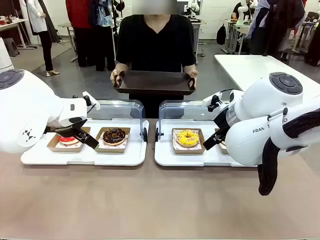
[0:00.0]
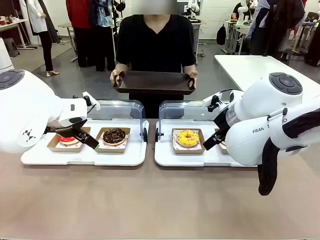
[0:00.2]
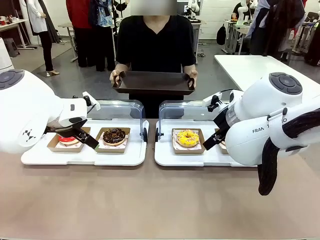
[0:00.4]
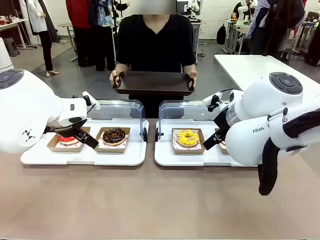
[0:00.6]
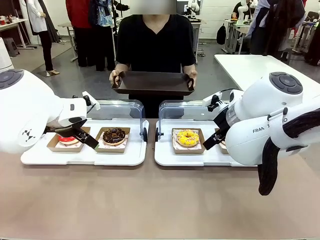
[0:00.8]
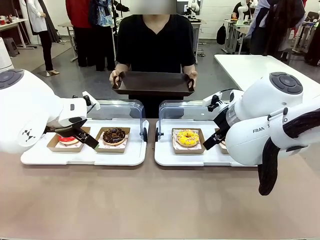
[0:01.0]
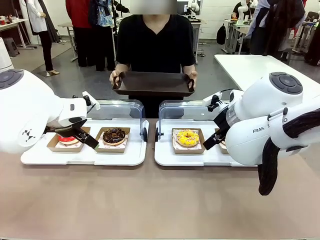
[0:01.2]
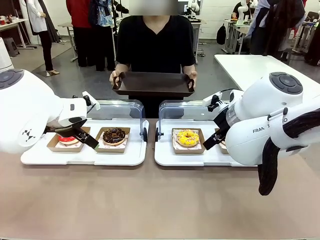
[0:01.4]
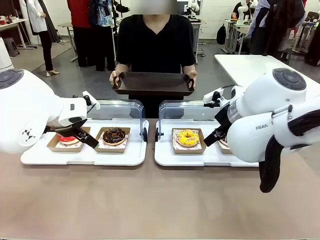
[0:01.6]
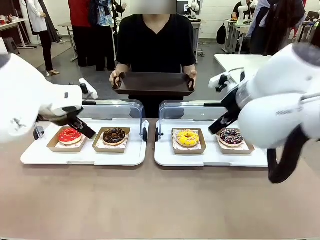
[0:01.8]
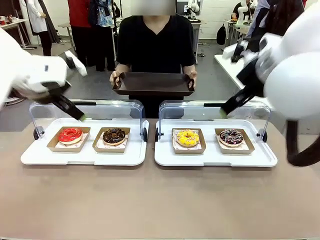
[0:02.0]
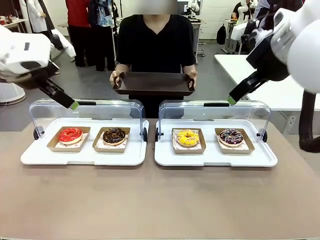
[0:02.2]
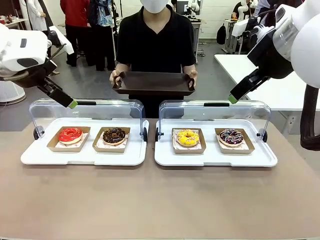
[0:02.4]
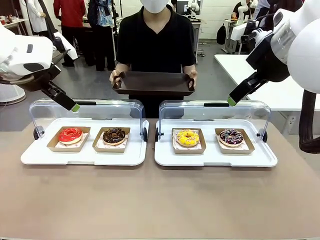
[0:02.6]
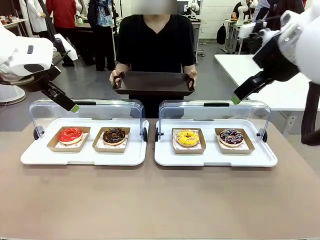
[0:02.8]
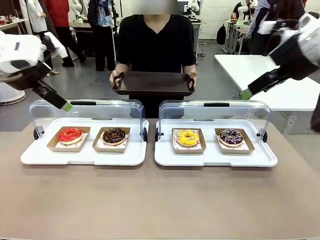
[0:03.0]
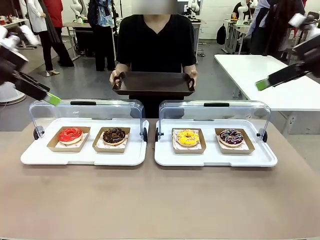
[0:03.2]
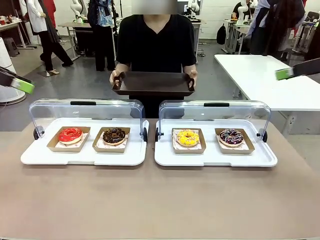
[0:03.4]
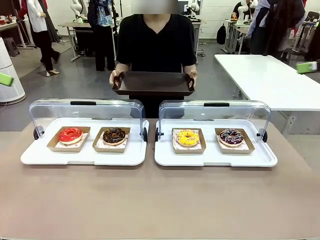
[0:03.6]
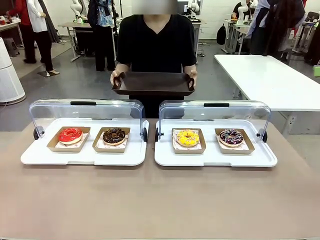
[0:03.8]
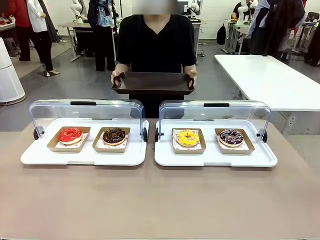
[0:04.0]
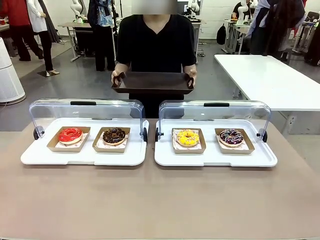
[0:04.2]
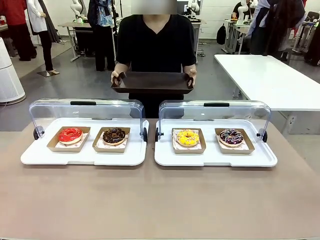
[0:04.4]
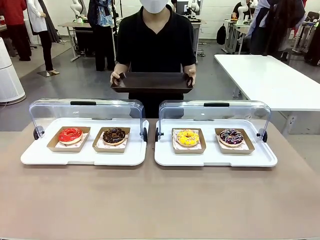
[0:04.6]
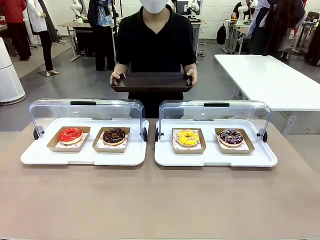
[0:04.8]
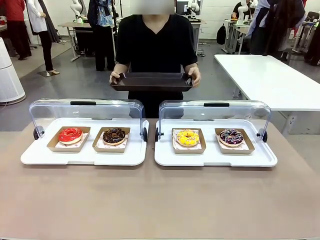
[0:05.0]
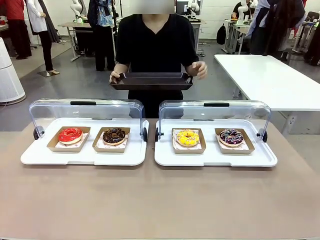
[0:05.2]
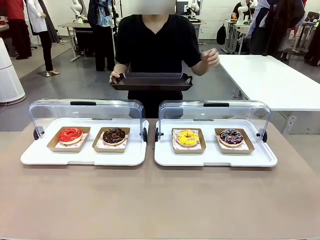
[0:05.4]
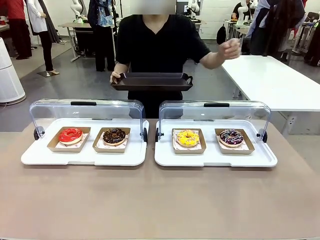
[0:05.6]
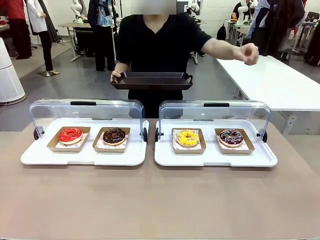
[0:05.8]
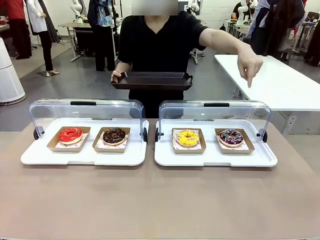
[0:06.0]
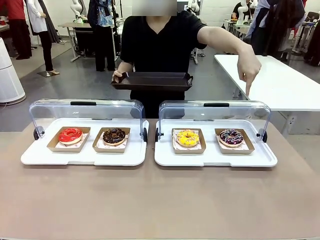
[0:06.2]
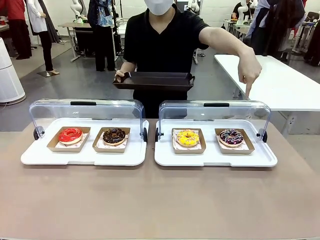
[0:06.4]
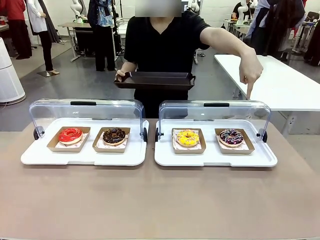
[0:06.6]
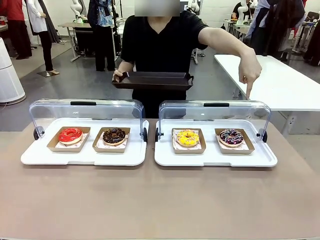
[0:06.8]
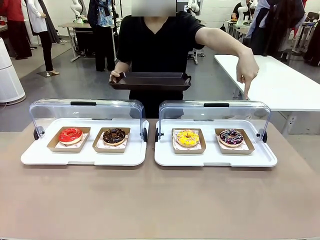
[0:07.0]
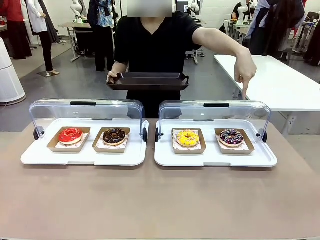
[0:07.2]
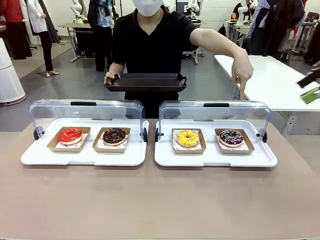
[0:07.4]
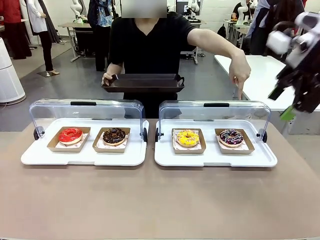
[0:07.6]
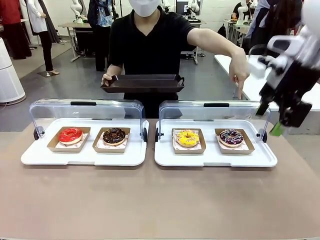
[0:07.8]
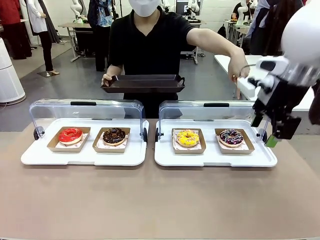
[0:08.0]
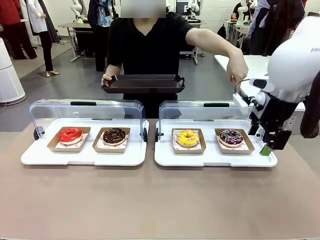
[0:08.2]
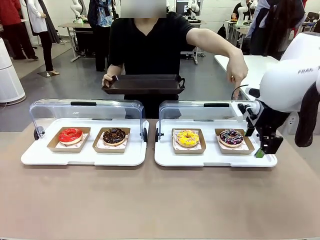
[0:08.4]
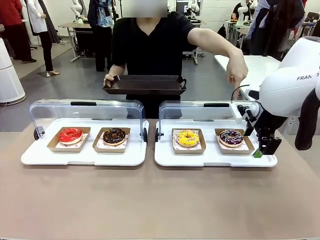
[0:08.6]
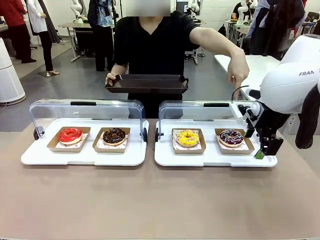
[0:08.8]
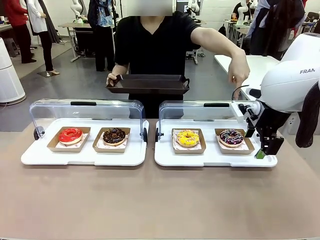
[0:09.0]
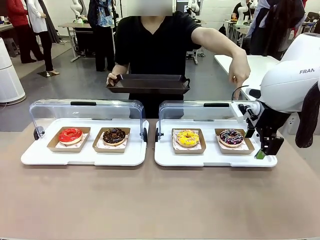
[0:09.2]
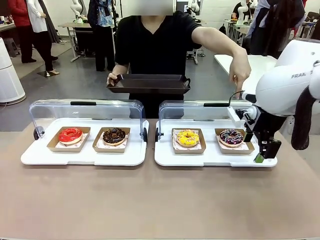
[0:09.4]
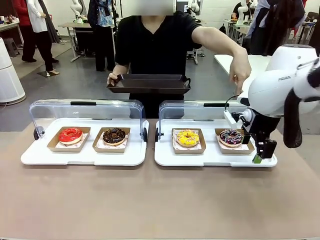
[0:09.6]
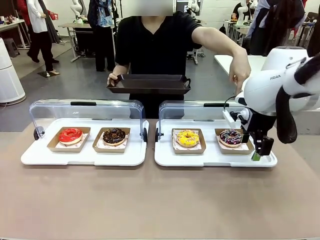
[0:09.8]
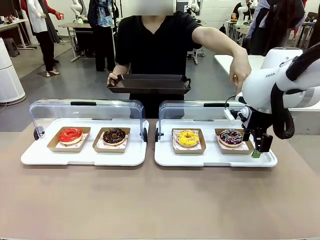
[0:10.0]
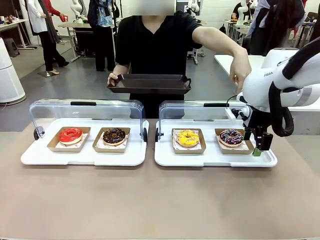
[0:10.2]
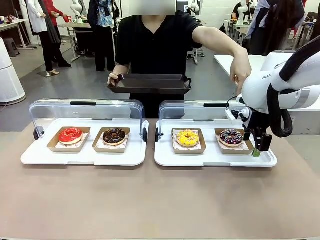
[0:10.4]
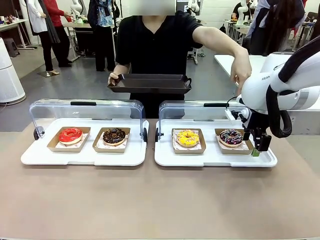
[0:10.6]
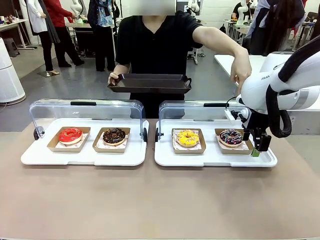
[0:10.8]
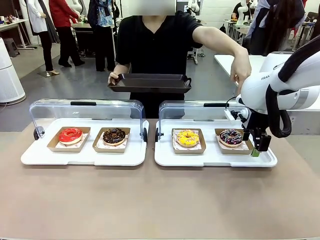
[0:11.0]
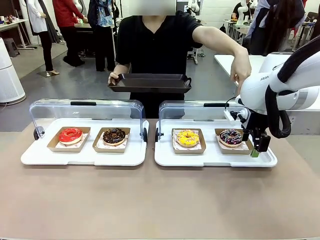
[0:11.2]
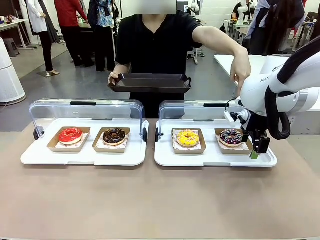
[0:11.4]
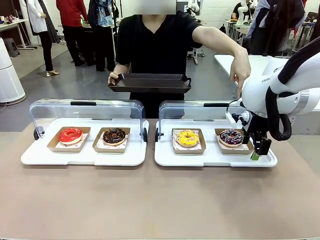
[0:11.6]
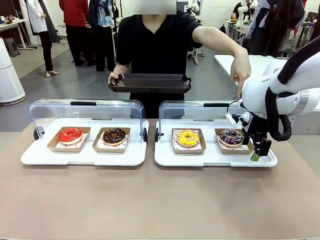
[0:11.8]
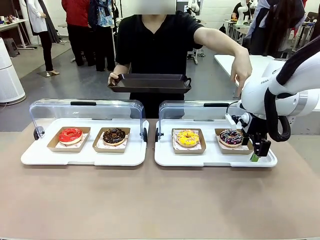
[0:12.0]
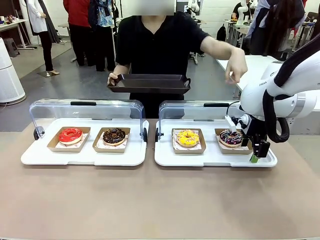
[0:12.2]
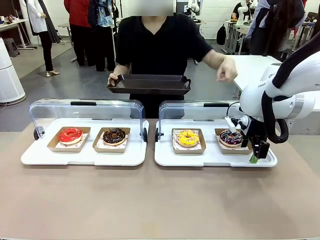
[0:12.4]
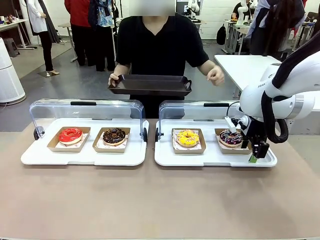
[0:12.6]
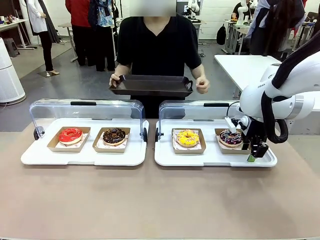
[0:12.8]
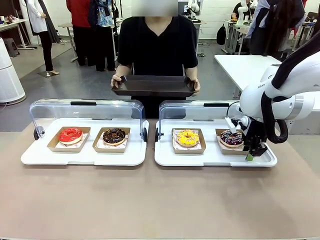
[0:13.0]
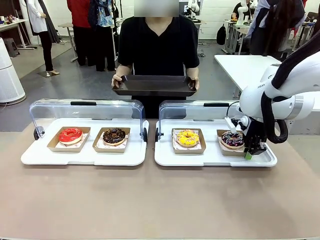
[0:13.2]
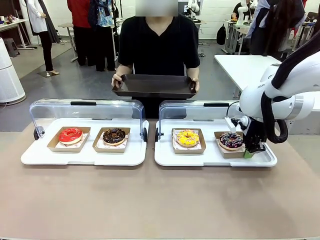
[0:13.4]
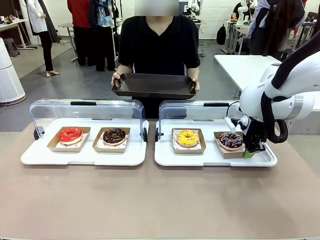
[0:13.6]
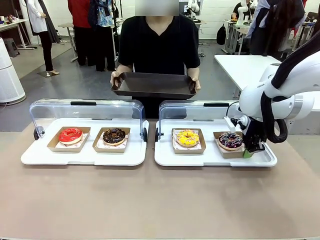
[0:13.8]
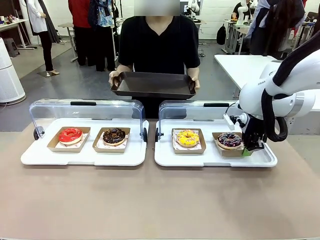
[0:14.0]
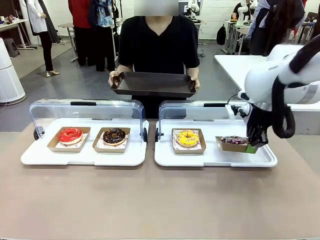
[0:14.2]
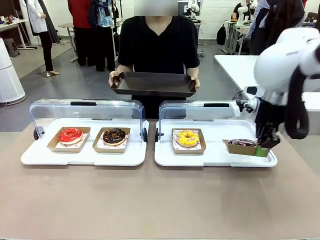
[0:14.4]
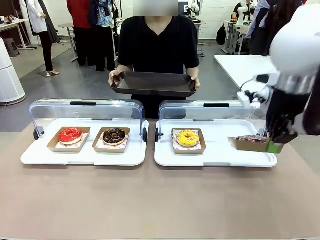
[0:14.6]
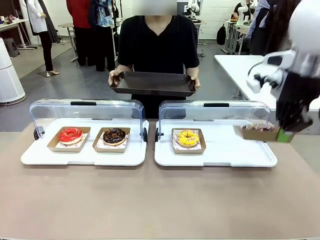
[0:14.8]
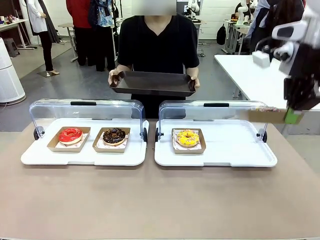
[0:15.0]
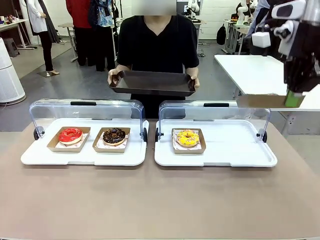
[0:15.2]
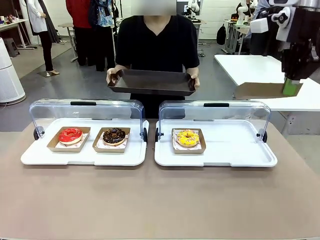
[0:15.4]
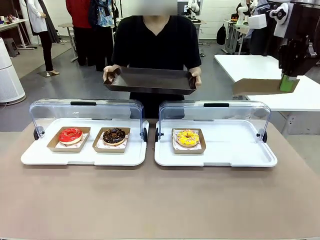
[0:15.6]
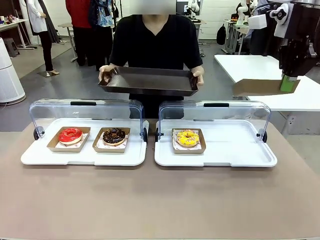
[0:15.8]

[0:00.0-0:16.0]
Task: Provide the desired donut to the person.
Robot: Pick up and lift the Paper togo box containing the Donut pointed at by the person.
Person: Point to one donut. Lift the tray onto the Roll-Top Bakery Case.

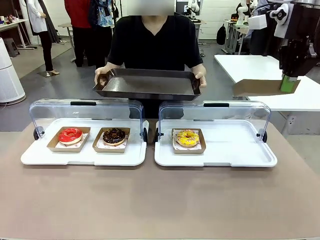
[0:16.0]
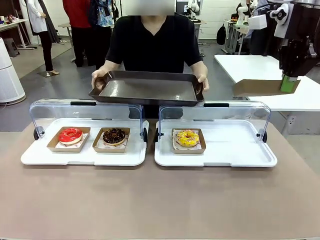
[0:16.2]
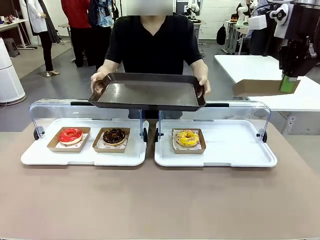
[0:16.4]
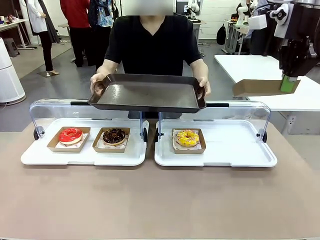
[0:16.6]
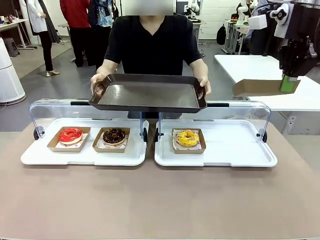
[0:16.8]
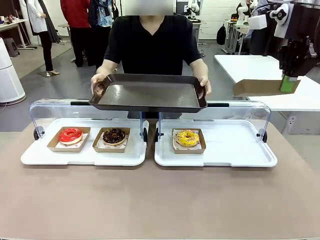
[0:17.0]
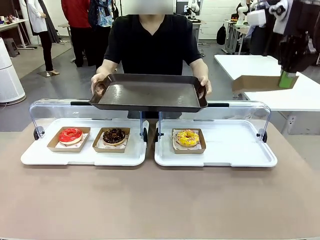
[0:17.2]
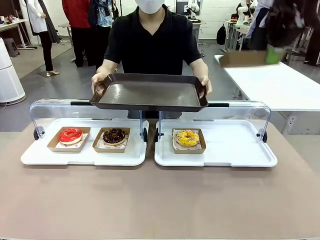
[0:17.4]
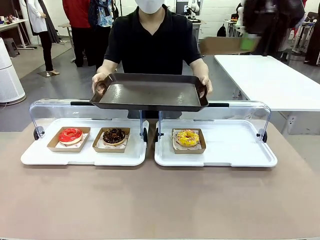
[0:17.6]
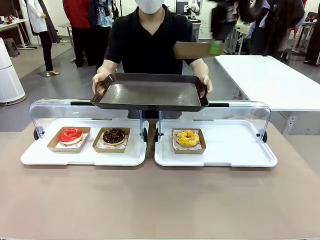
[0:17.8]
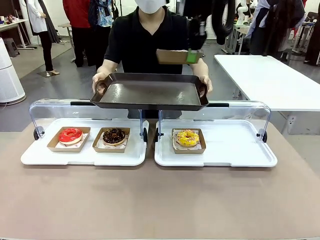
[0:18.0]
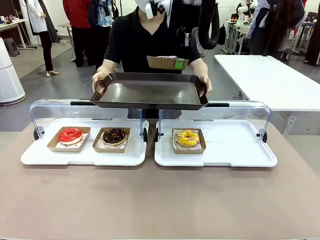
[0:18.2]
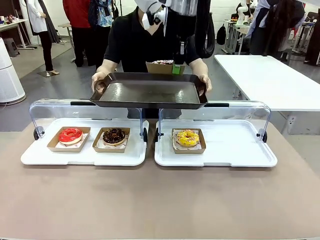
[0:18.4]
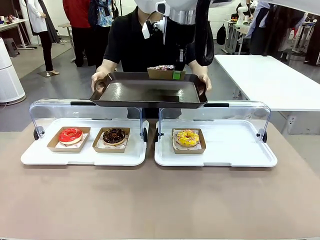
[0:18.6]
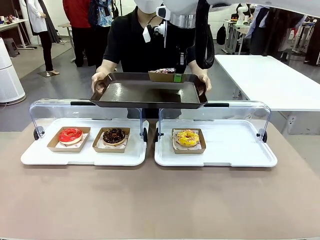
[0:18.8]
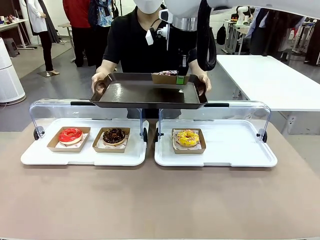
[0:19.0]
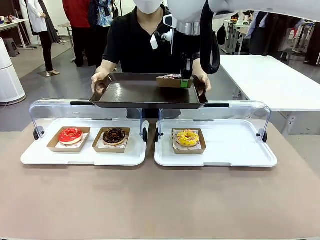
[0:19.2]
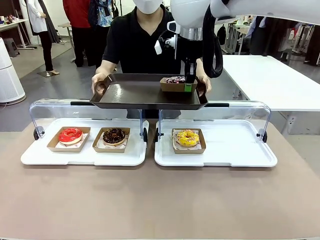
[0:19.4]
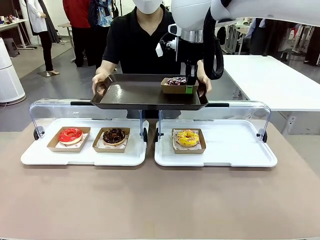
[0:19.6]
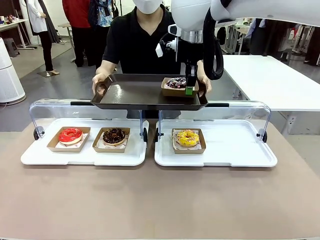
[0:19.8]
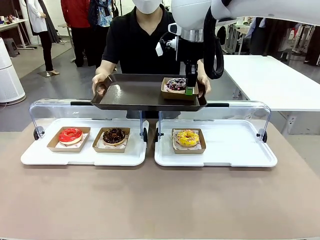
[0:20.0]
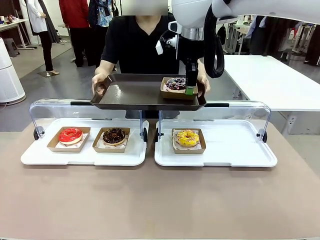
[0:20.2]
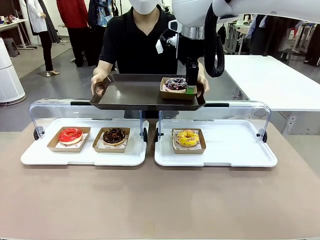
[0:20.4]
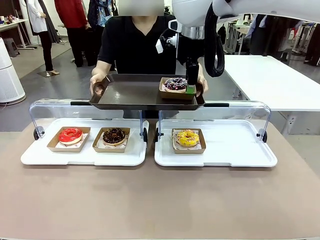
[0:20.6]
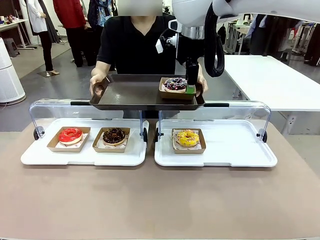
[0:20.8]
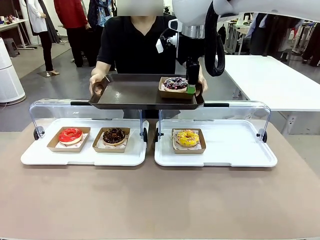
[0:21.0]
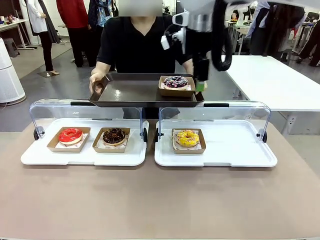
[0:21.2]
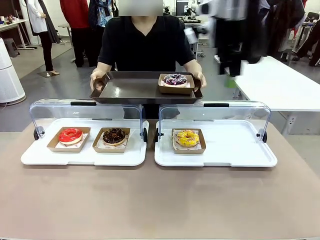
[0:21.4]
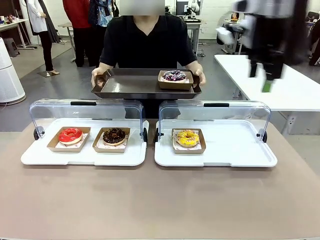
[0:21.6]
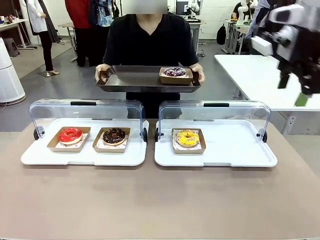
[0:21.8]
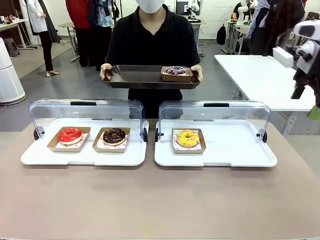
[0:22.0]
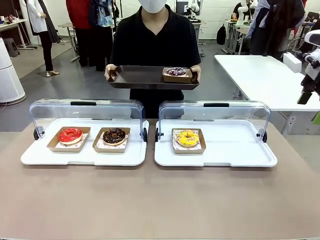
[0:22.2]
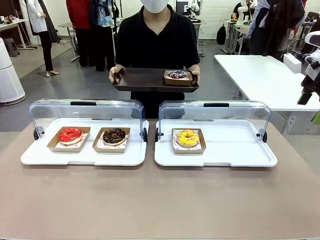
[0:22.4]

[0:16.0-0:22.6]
Robot: Place the picked Paper togo box onto the Handle tray extended by the person.
